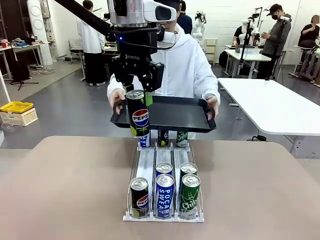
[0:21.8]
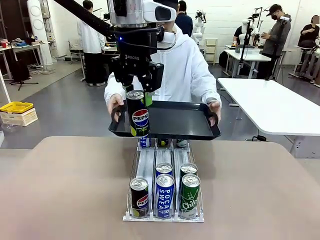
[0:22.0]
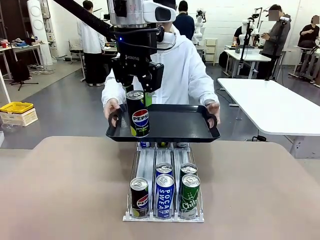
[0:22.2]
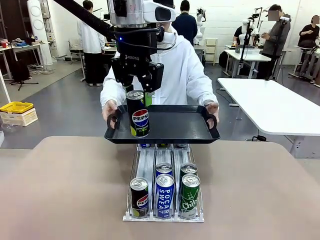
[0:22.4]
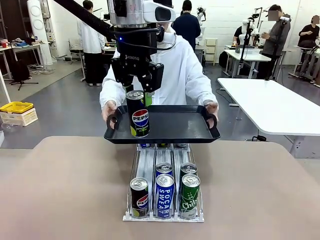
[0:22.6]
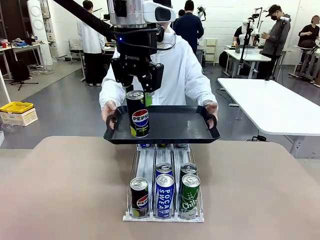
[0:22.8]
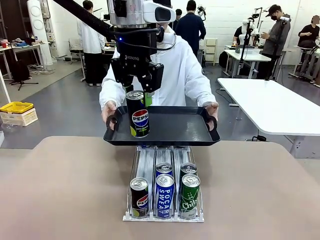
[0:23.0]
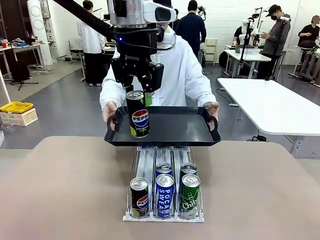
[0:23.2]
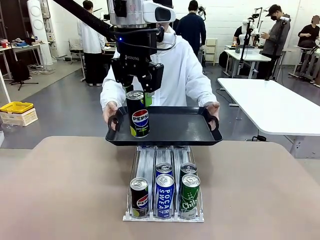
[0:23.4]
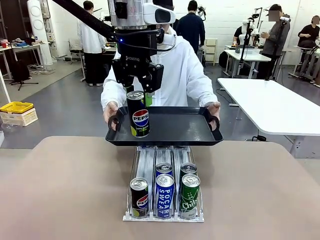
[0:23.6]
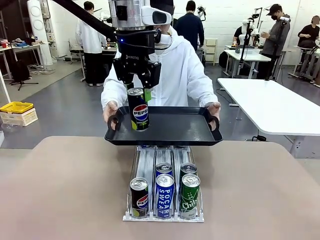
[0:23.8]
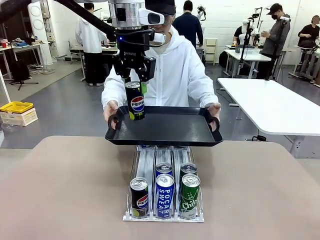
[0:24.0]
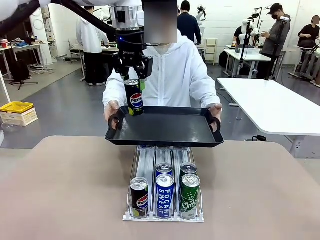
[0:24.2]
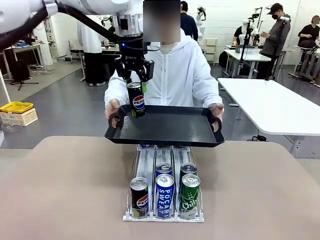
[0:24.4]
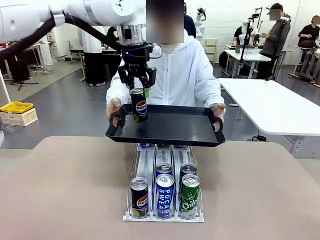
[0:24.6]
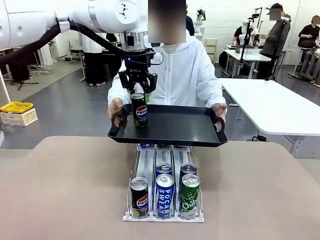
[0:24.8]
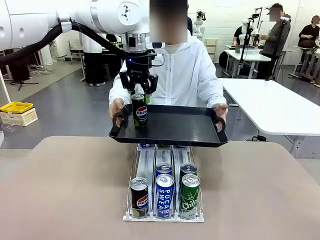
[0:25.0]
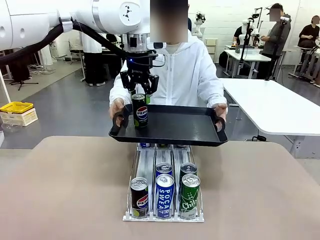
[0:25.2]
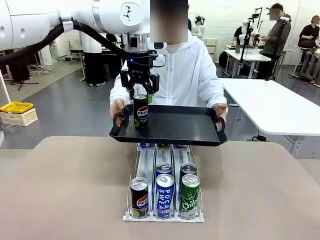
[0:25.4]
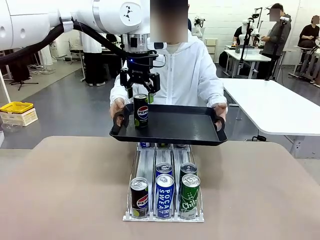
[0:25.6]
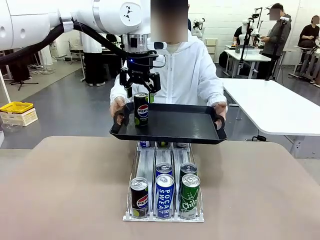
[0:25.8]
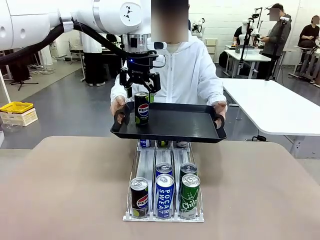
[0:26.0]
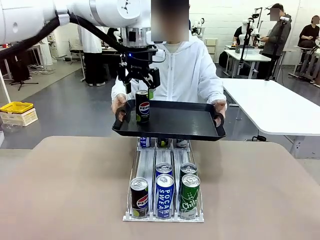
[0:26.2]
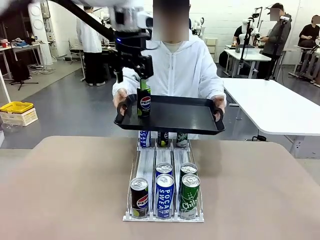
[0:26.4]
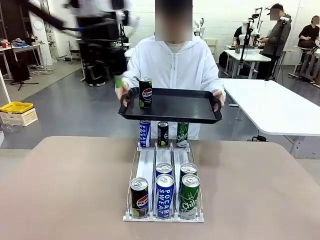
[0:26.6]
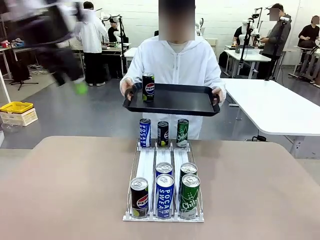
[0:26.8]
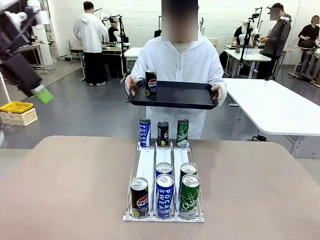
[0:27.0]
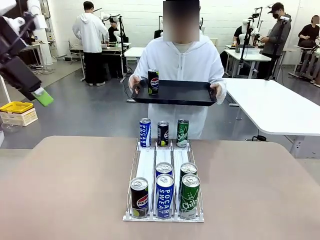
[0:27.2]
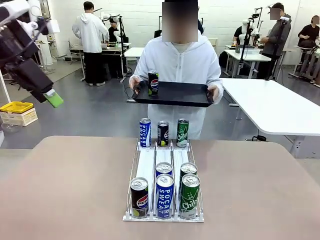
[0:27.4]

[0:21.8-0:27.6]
Task: Retrieve and hand over the desired beverage to the person.
Robot: Place the picked can on the Handle tray extended by the person.

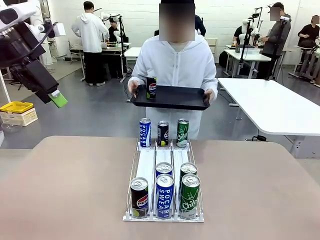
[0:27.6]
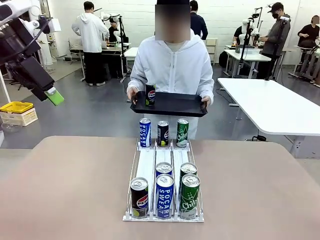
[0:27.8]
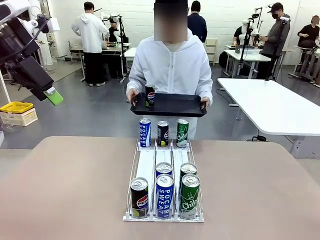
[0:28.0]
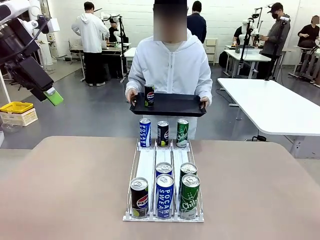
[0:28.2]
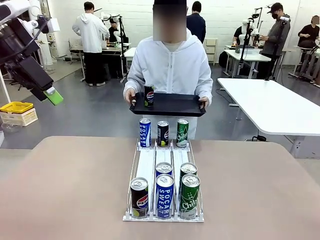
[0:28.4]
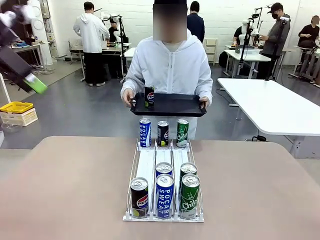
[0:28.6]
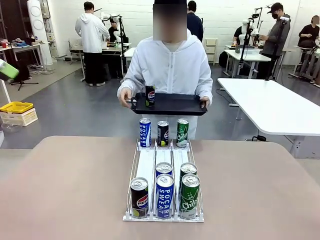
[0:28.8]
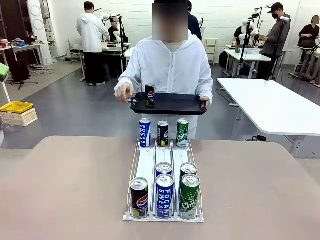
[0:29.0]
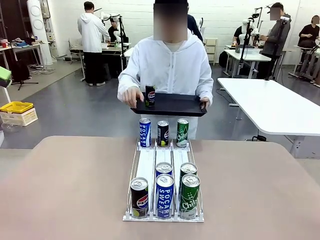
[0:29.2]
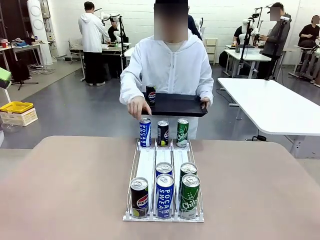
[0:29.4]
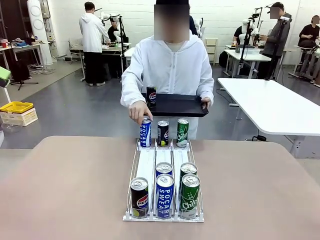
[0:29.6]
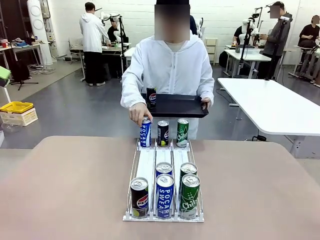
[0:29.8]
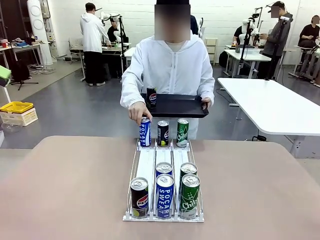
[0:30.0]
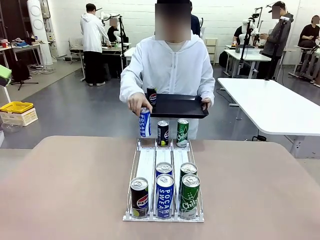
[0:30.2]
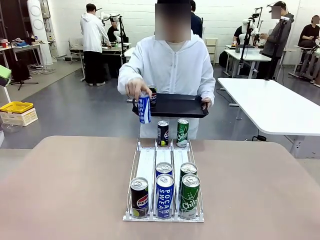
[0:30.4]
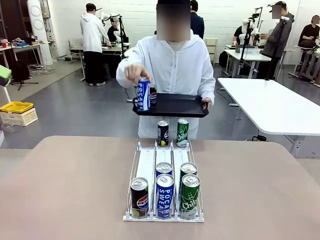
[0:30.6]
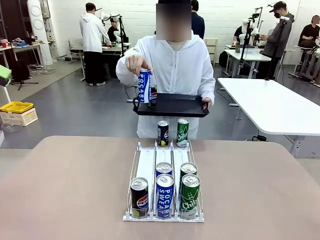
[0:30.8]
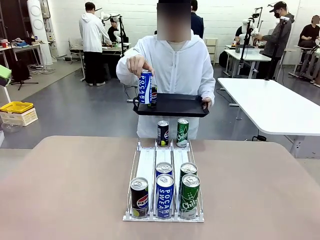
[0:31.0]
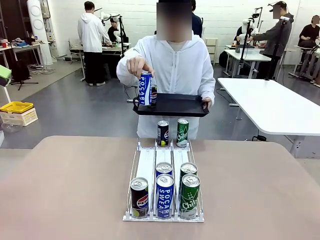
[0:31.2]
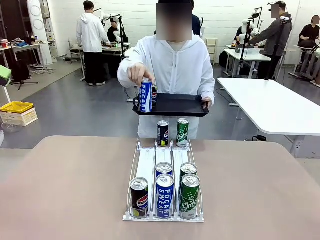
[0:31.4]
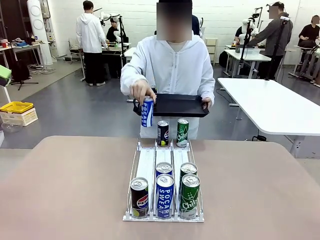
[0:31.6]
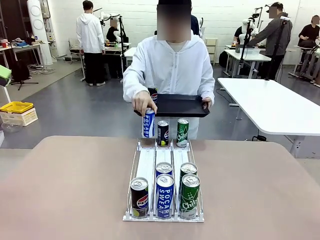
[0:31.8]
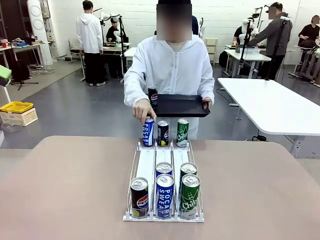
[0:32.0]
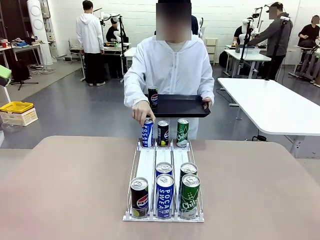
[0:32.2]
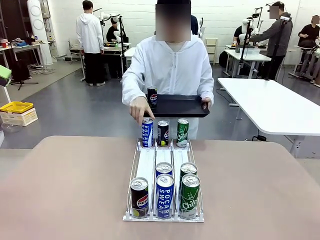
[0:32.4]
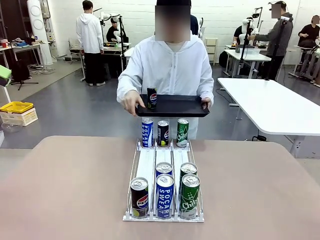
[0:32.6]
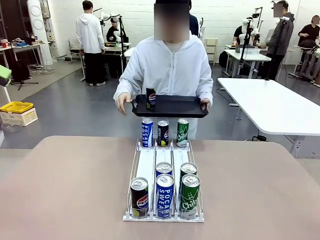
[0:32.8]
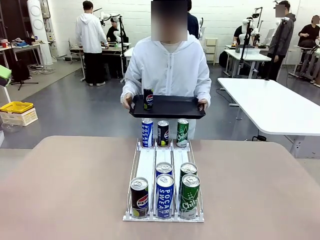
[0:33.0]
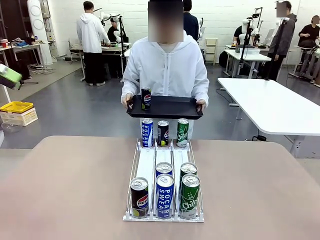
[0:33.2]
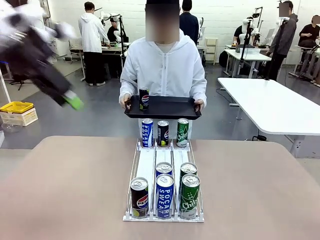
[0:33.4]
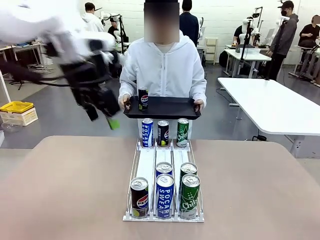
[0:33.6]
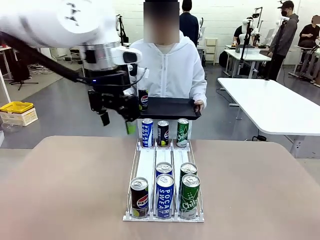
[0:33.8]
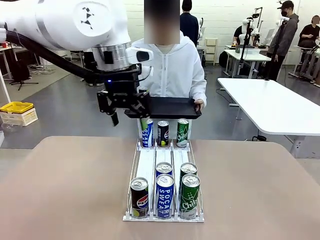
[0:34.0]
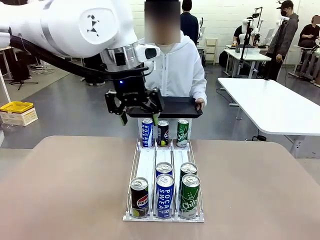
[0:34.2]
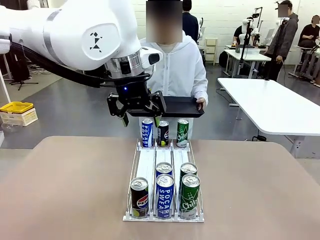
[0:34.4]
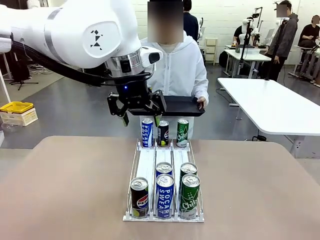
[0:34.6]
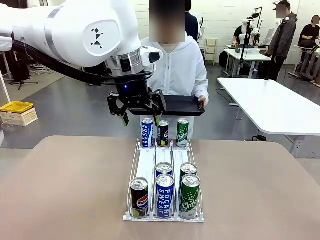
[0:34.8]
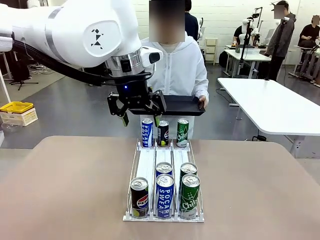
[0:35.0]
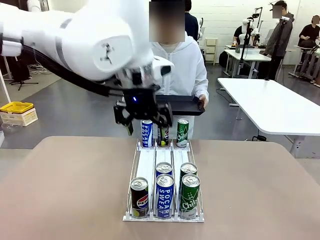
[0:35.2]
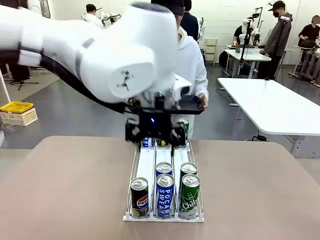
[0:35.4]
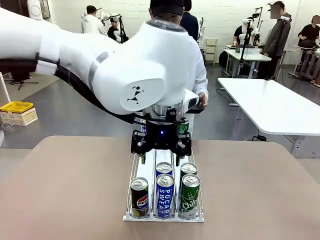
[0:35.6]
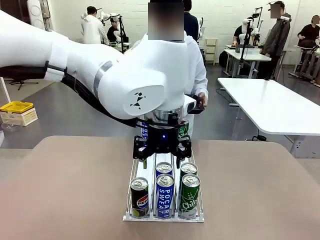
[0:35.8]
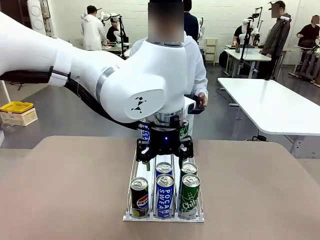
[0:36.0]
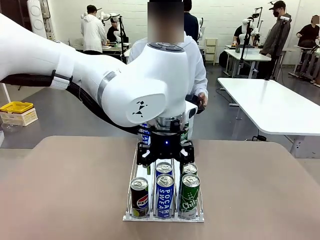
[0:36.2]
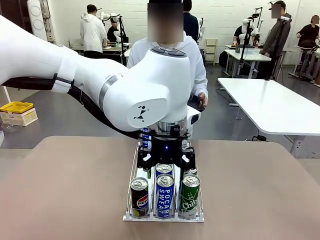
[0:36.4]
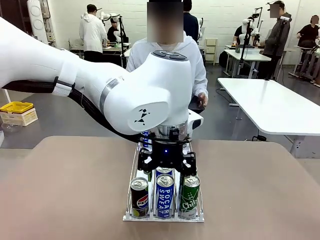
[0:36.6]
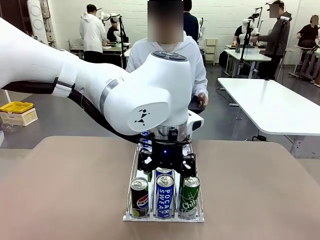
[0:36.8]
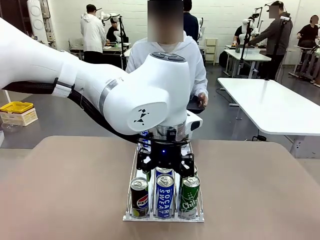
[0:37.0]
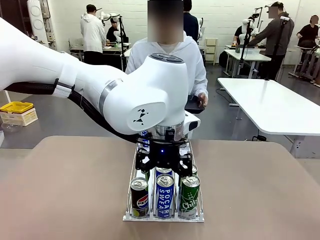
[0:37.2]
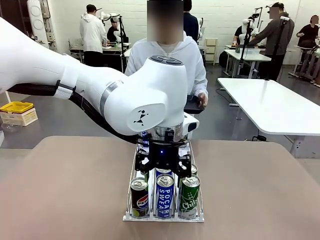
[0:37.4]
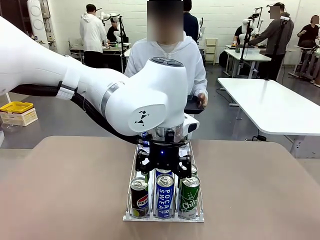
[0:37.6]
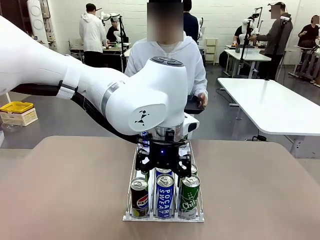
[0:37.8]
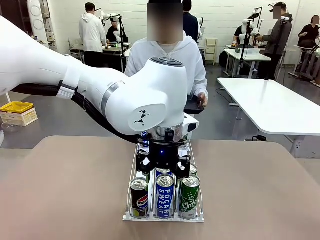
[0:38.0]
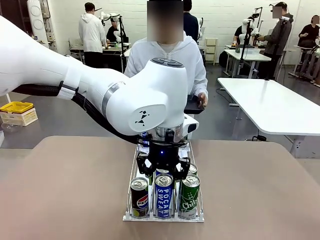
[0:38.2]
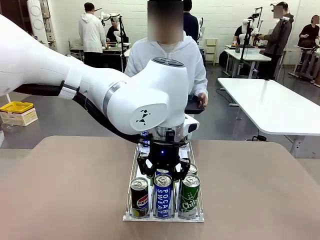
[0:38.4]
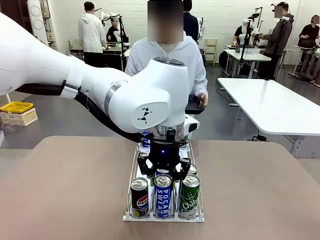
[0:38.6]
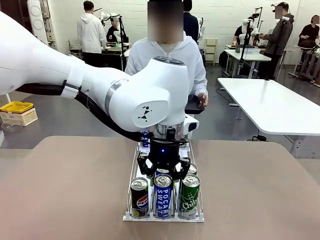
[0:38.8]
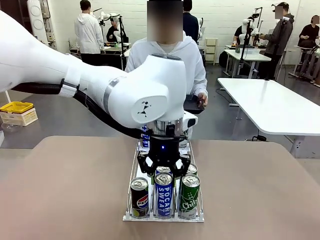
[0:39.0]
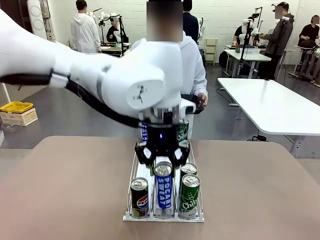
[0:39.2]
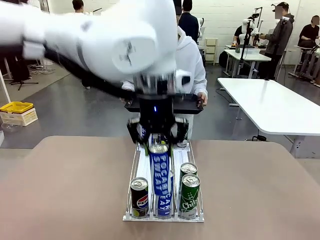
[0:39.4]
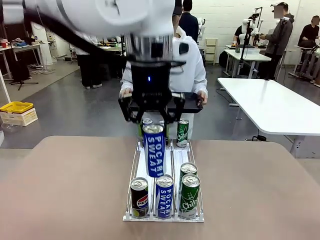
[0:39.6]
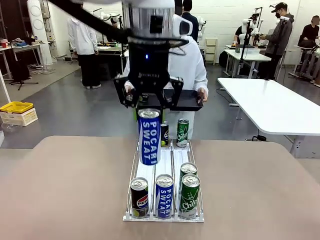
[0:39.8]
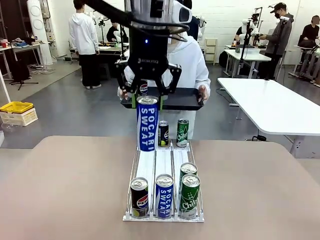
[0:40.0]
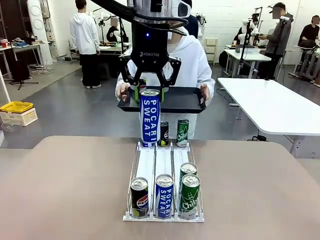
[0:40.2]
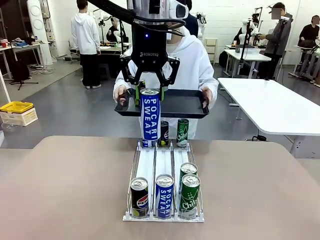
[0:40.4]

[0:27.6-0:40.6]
Robot: Pick up another can of the same type that the person held from the Automatic Can Dispenser.
Person: Pull the tray back, then pick up another can from the bottom area of the table and puts it back in its original place. Push the tray toward the robot again.
